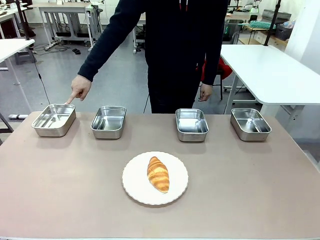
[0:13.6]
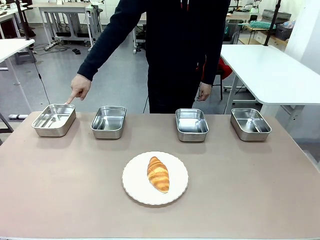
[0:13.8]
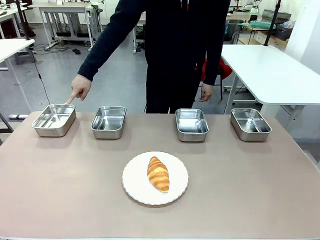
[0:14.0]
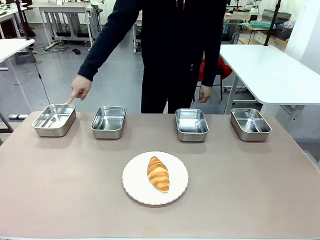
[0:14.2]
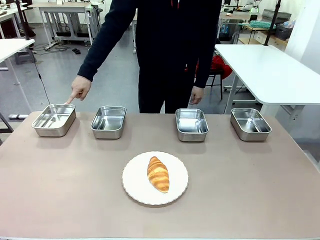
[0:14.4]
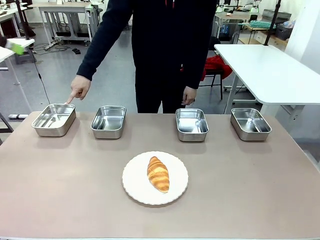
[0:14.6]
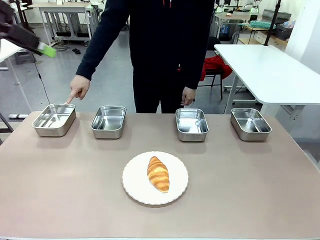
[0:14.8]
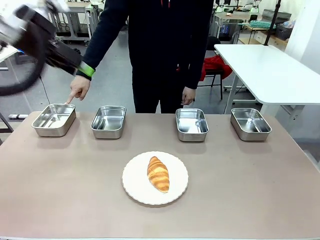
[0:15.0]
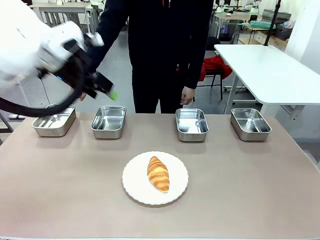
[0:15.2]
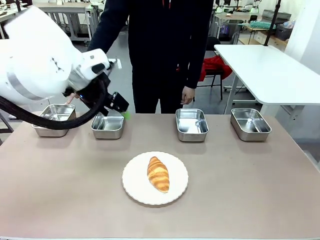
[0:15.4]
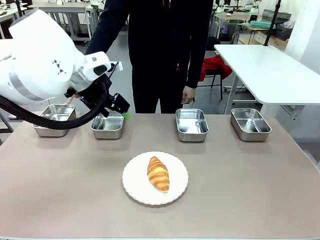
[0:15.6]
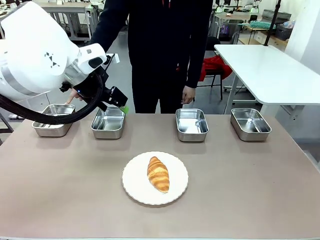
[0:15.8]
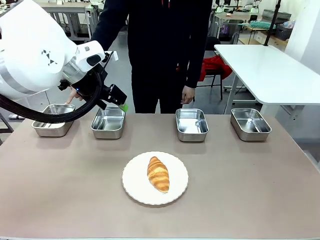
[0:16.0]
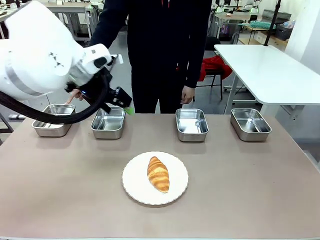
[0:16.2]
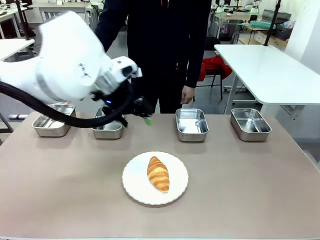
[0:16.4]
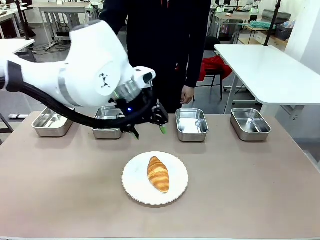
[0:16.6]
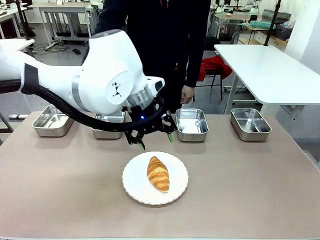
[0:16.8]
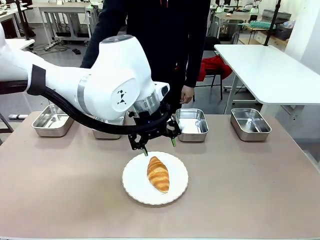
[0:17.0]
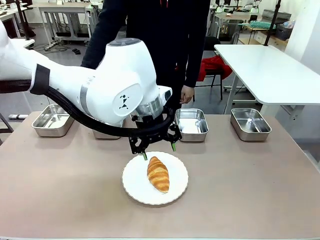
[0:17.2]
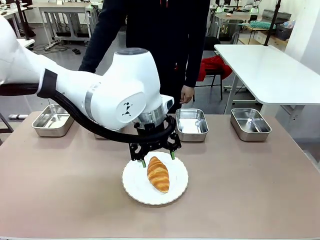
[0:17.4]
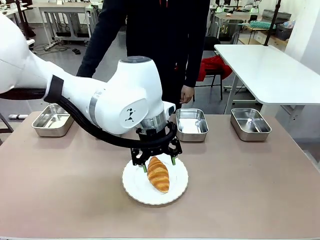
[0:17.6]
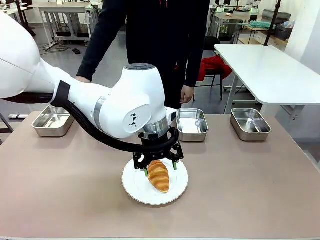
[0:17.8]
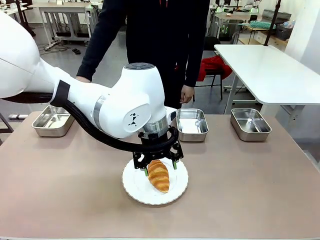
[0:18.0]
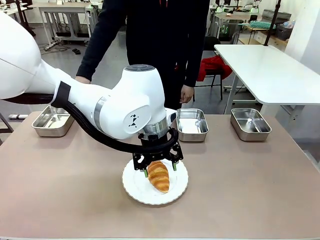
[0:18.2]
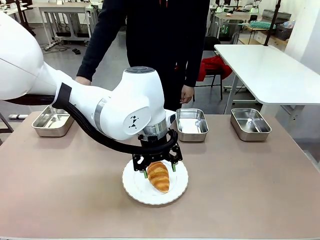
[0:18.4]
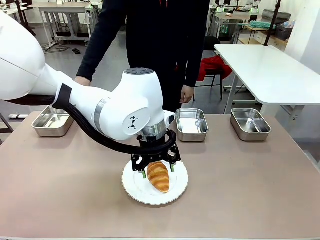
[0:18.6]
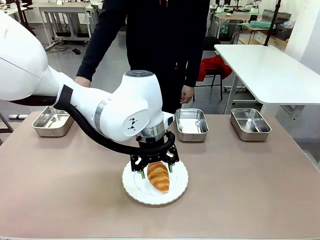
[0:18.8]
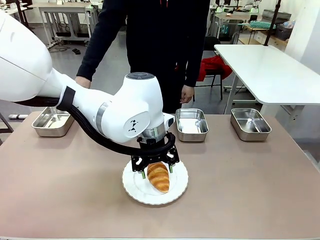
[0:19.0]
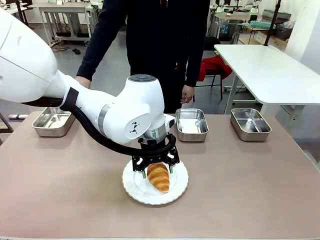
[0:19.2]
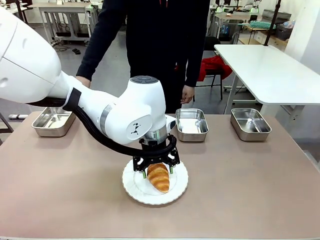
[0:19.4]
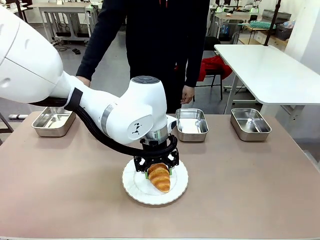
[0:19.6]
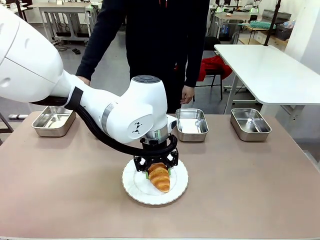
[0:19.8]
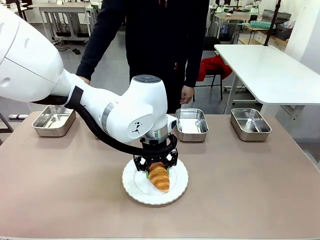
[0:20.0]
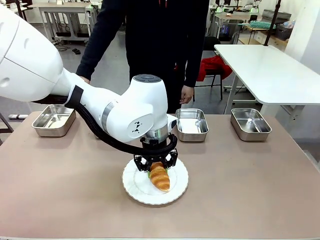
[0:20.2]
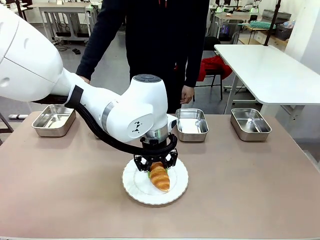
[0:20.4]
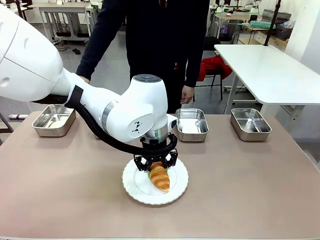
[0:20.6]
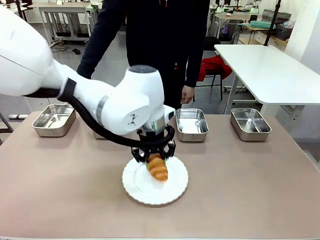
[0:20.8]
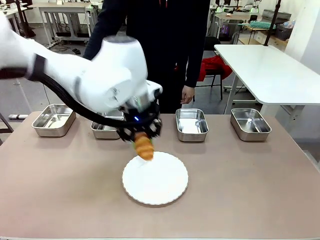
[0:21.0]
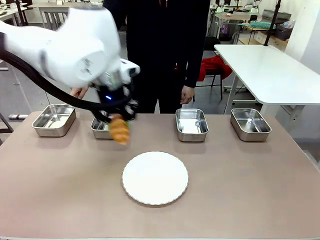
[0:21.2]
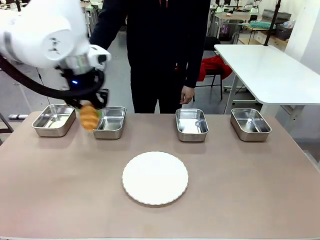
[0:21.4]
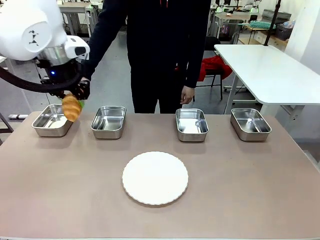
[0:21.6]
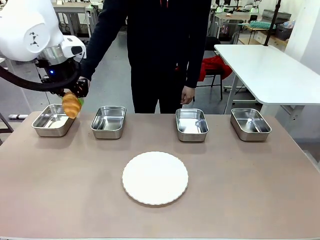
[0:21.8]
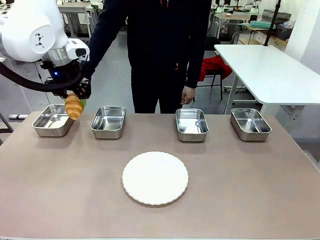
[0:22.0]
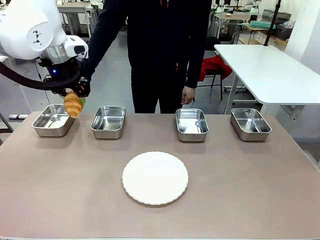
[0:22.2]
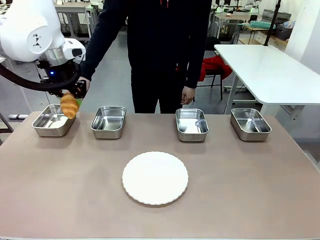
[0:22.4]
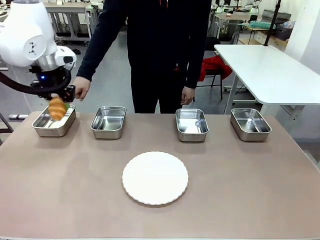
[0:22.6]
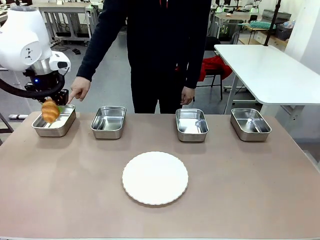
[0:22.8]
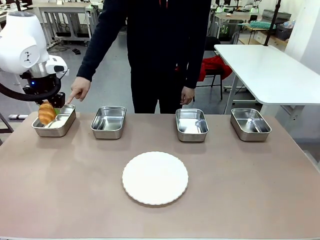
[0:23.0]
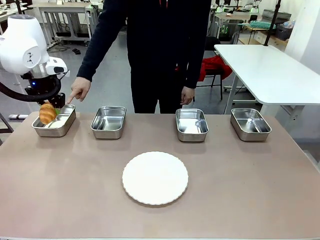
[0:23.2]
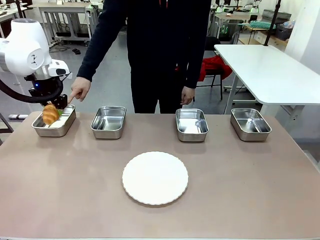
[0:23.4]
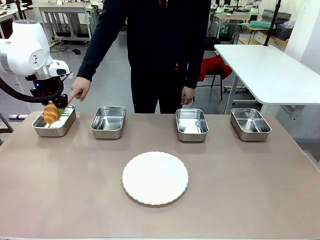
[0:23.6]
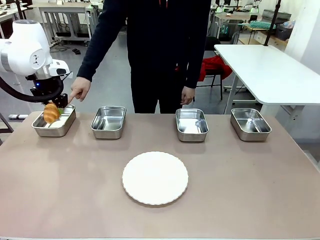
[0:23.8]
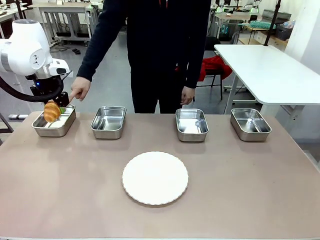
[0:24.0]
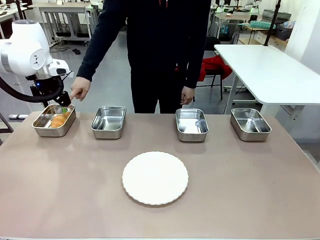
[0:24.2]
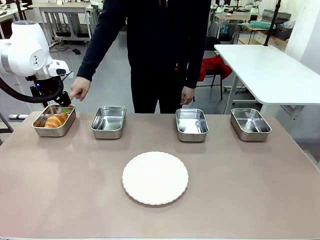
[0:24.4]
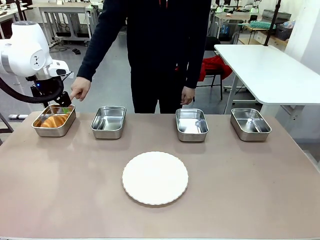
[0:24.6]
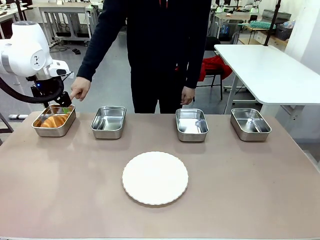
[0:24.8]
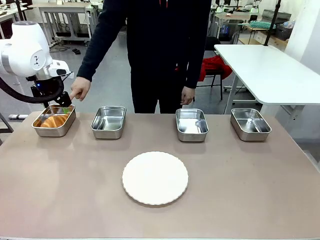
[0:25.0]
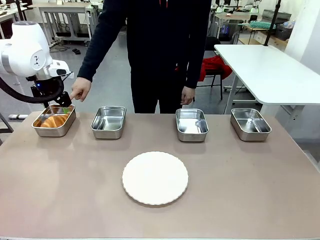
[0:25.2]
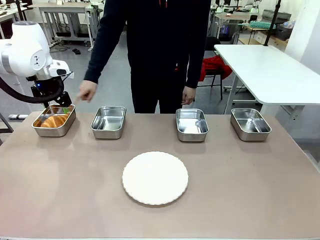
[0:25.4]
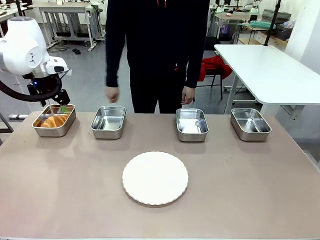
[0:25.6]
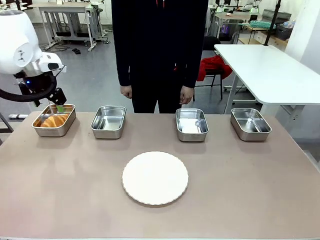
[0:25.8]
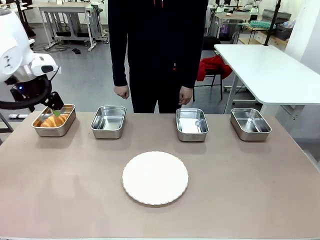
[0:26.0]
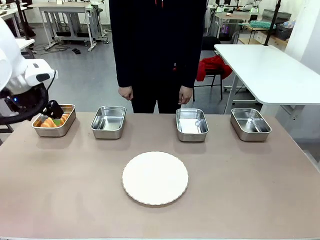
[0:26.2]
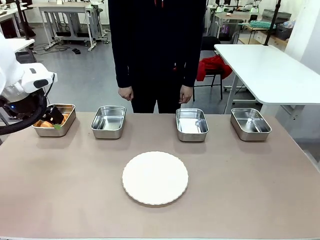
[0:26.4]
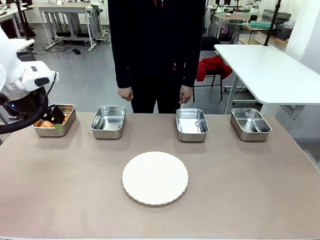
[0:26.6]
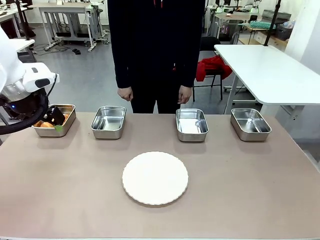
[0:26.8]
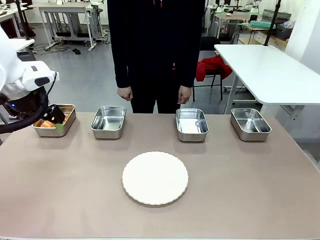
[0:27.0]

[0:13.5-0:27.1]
Task: Place the bread in the container.
Robot: Place the Butter Roll into the Airtight Container indicated by the human.
Person: A person randomly selects and points to an Airtight Container.

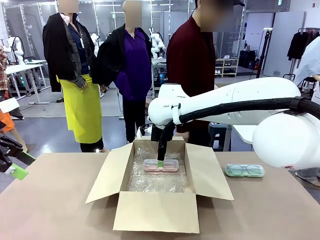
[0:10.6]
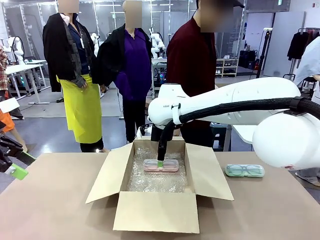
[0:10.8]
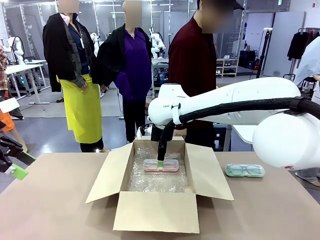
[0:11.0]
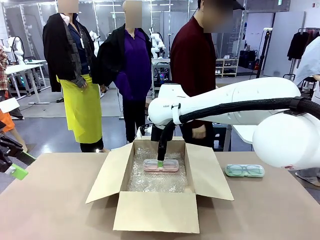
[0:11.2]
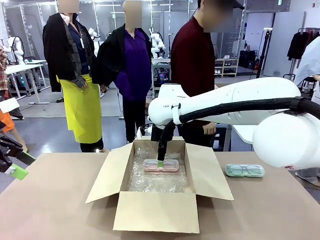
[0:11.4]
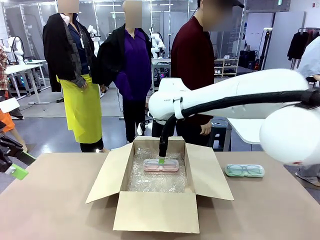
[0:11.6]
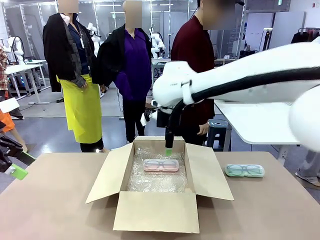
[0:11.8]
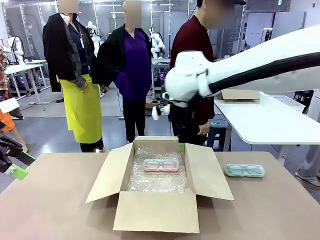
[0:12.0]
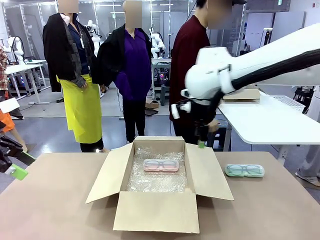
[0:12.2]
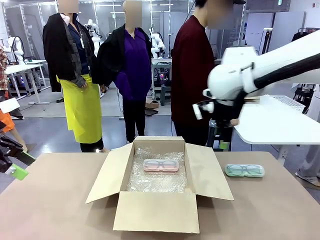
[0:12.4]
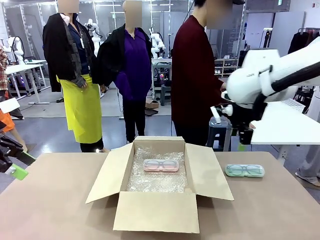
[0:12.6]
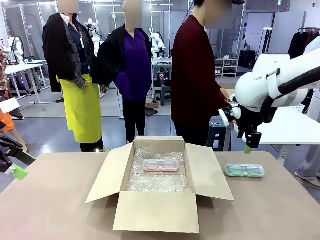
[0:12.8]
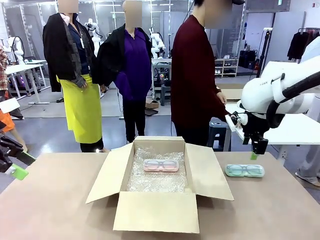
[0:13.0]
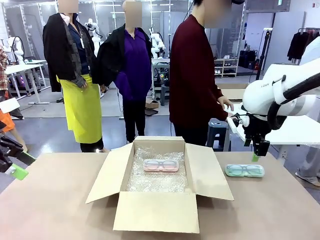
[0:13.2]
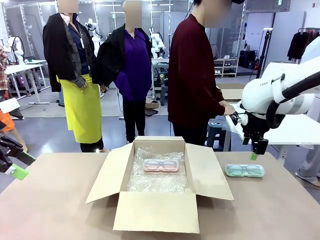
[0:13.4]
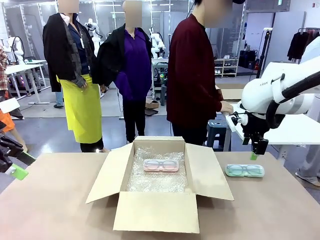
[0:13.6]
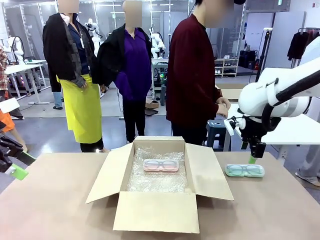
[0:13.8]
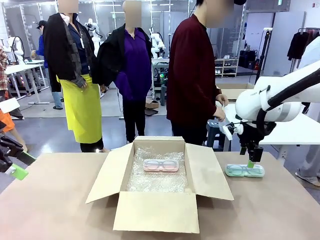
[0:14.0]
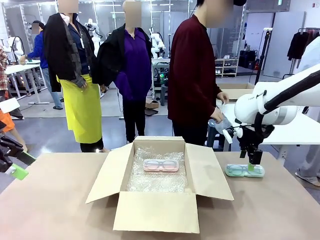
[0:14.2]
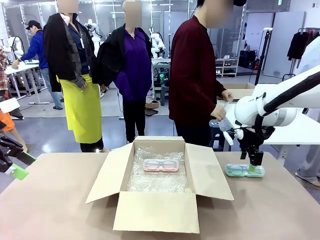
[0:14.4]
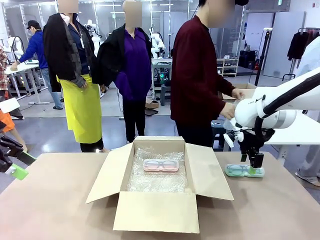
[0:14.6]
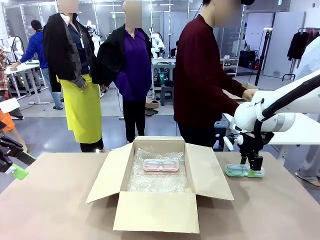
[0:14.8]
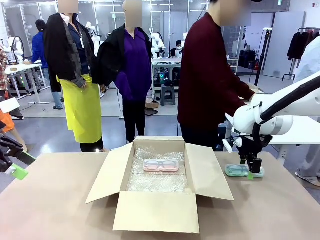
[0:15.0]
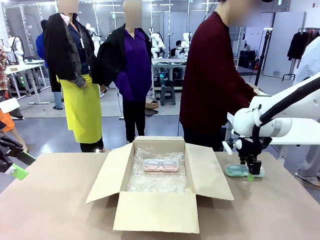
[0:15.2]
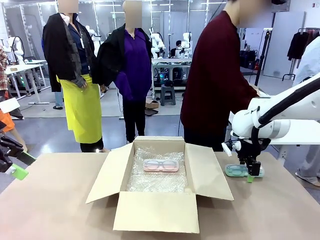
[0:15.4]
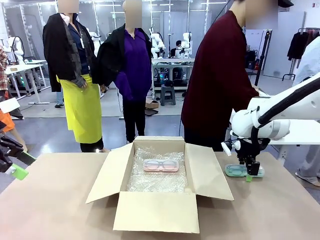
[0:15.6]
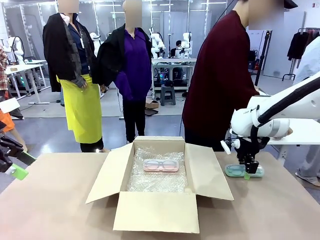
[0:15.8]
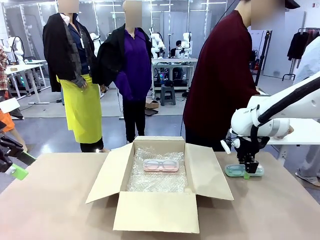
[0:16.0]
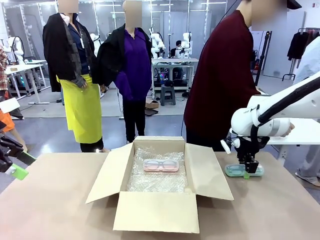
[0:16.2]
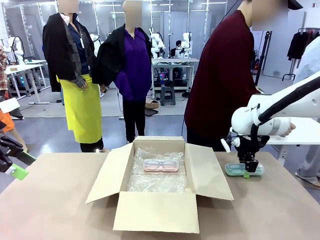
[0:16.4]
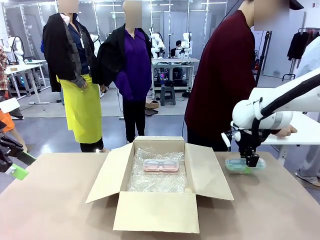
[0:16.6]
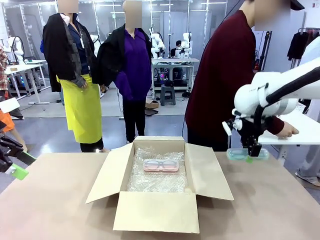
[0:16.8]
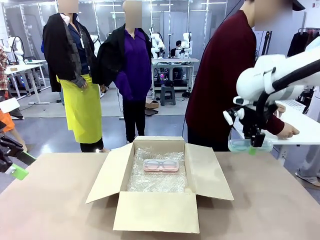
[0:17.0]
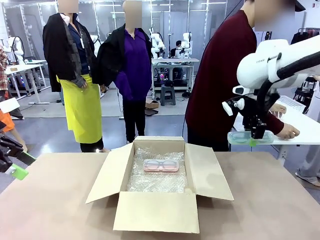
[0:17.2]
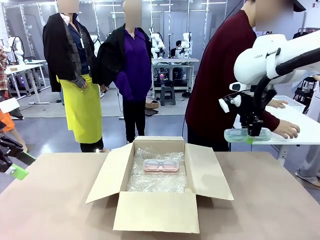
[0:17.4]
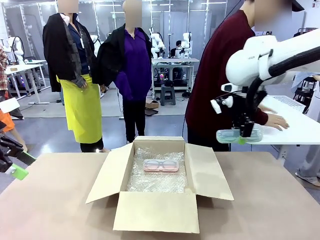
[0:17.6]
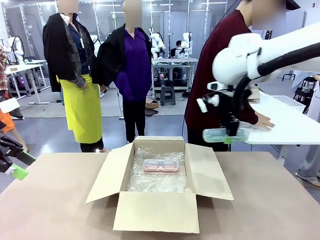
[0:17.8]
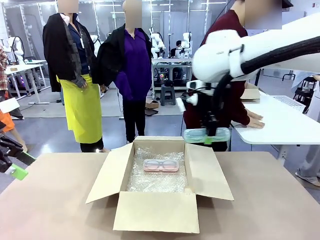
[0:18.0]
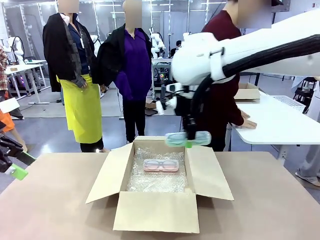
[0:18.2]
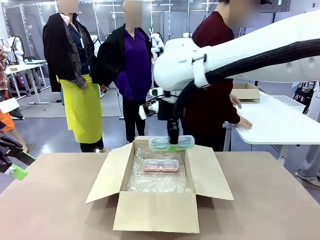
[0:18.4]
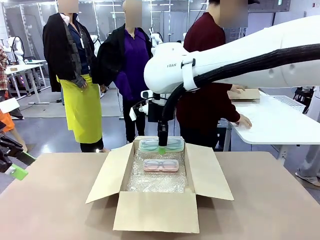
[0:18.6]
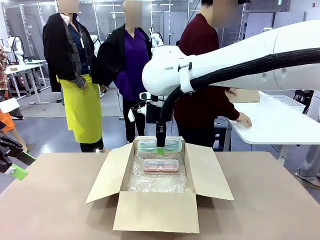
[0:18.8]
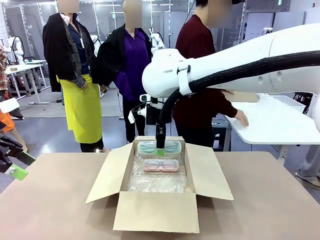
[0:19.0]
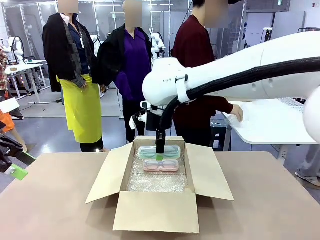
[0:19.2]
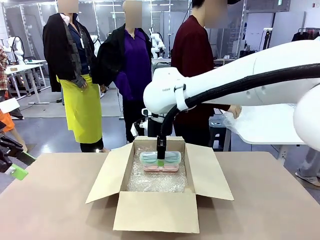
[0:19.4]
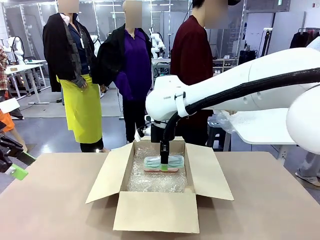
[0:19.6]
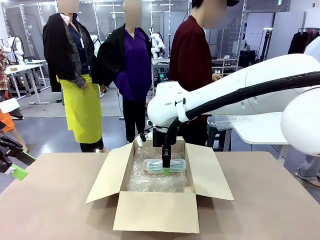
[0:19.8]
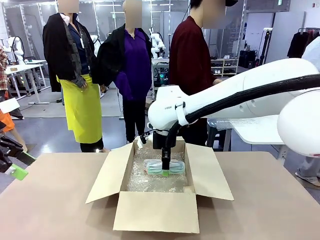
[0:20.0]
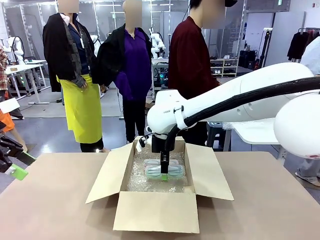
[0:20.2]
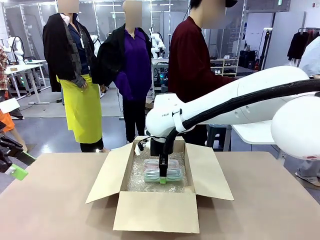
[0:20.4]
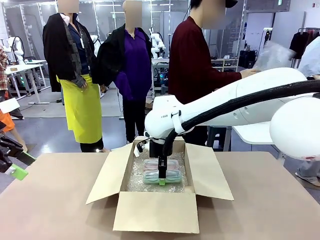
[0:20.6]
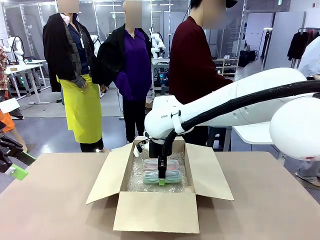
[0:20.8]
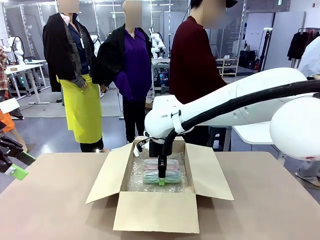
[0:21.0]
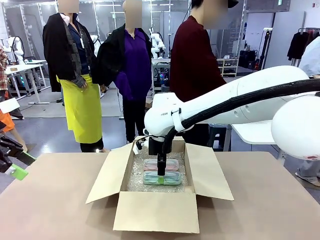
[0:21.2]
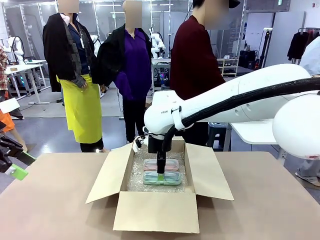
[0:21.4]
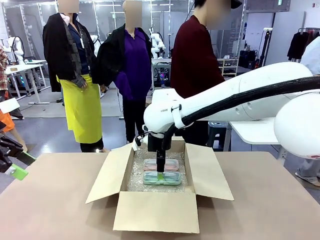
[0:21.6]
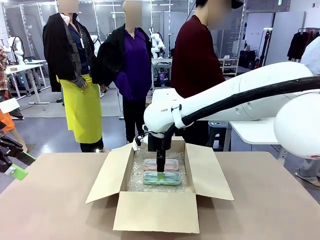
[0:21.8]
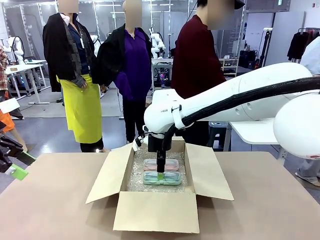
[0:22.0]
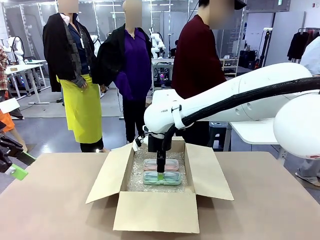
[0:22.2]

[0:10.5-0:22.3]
Task: Pack the glasses set securely to prepare it for shipping.
Robot: Put the Glasses case from the right side of the table into the Package Box.
